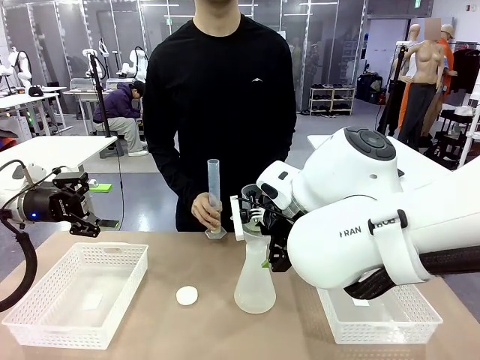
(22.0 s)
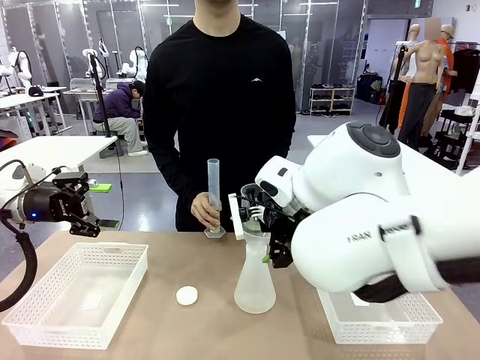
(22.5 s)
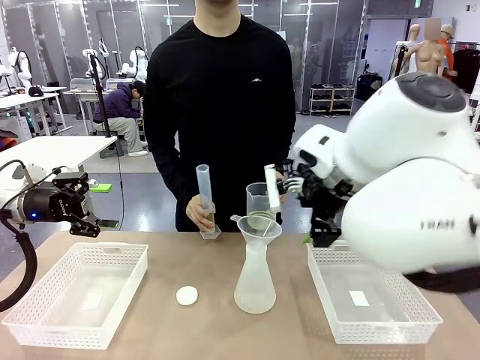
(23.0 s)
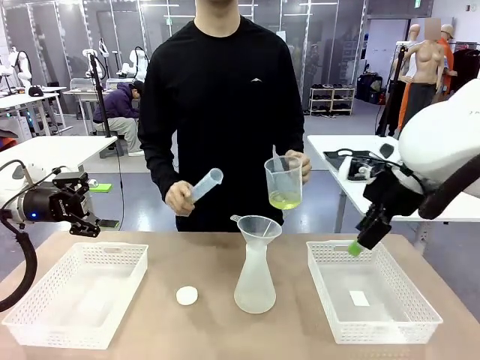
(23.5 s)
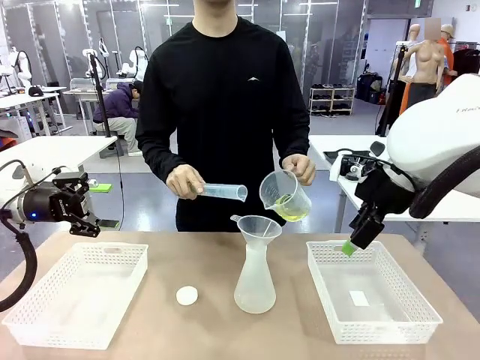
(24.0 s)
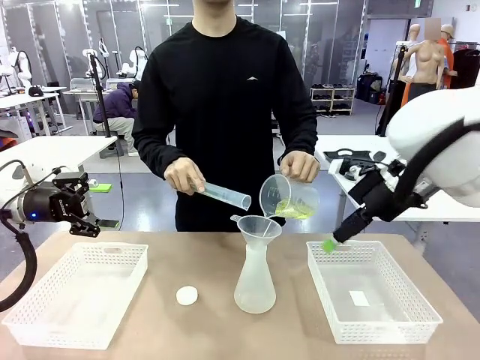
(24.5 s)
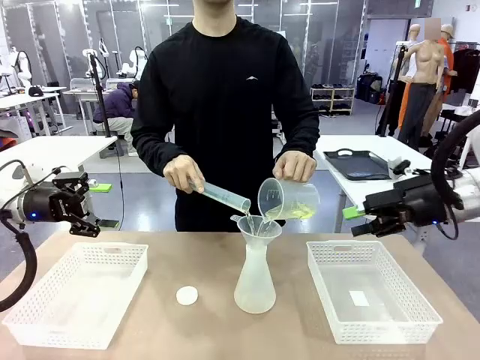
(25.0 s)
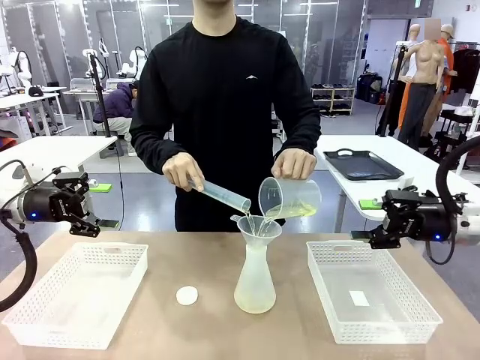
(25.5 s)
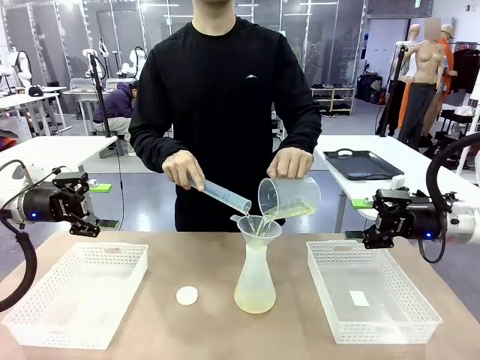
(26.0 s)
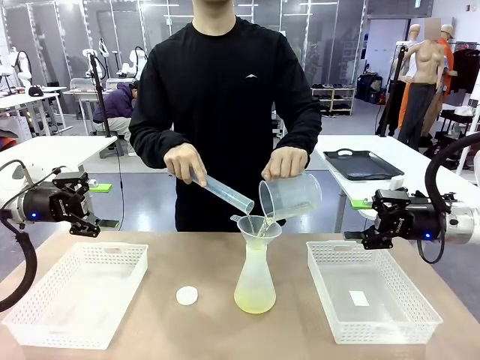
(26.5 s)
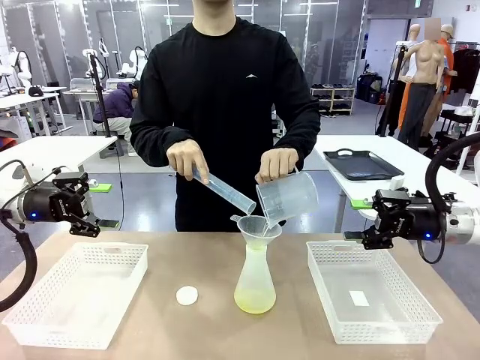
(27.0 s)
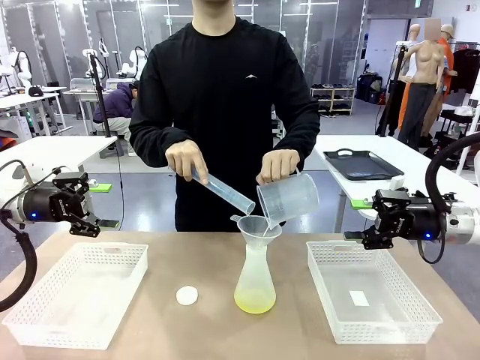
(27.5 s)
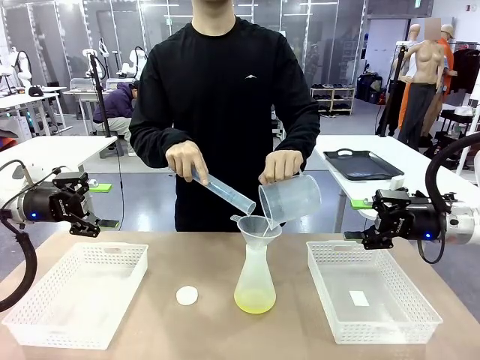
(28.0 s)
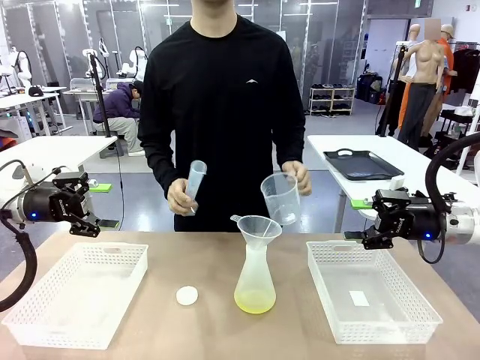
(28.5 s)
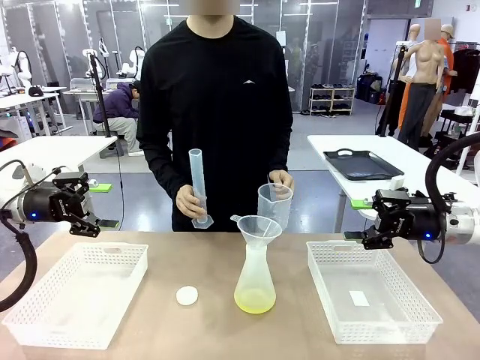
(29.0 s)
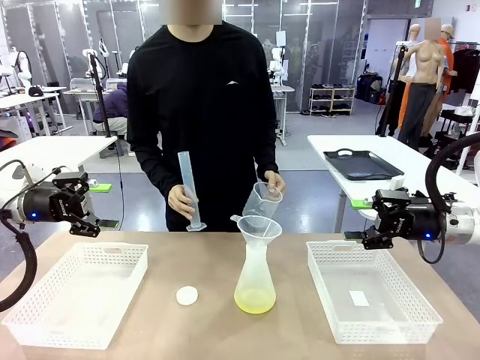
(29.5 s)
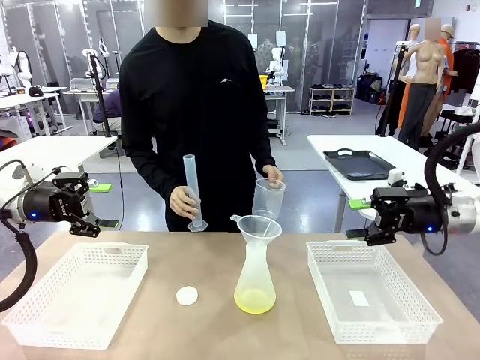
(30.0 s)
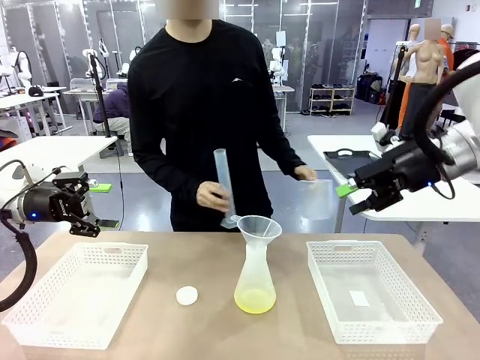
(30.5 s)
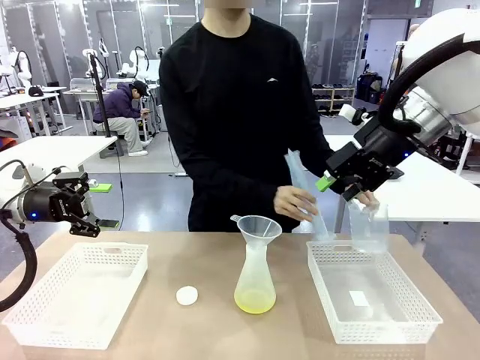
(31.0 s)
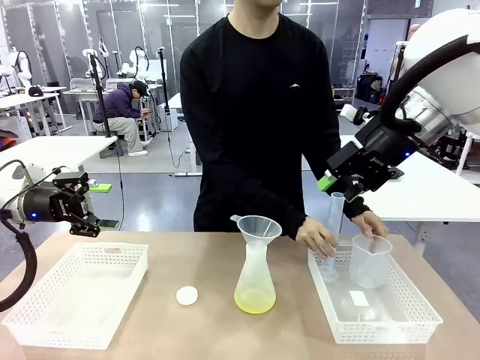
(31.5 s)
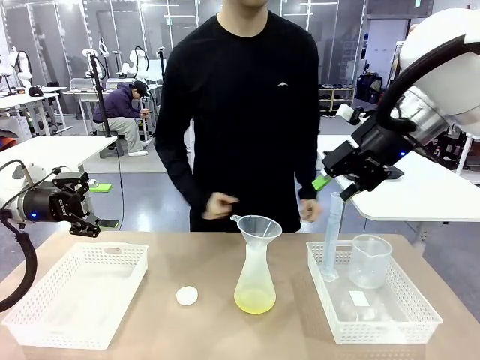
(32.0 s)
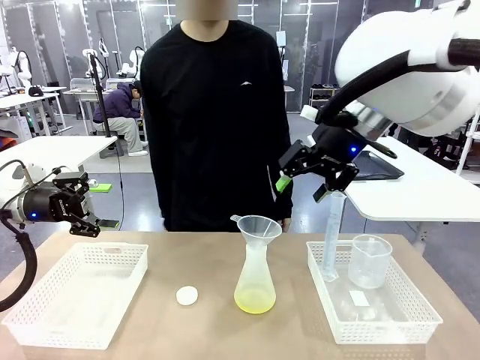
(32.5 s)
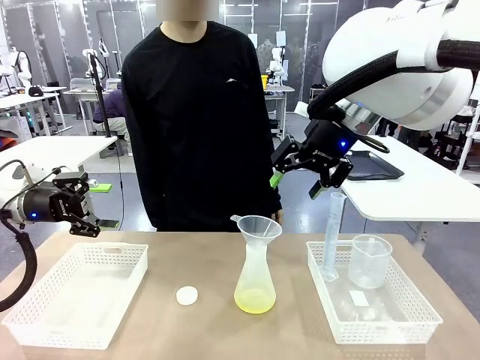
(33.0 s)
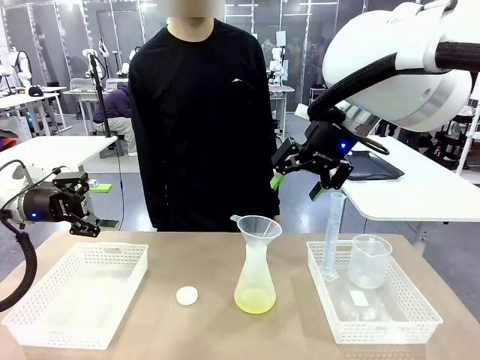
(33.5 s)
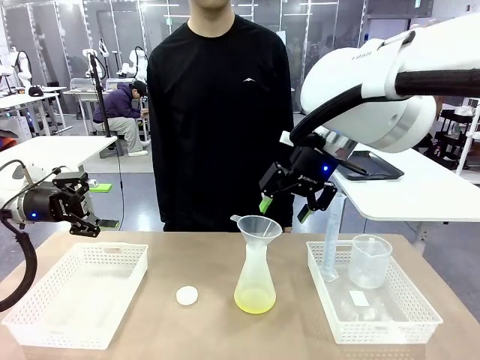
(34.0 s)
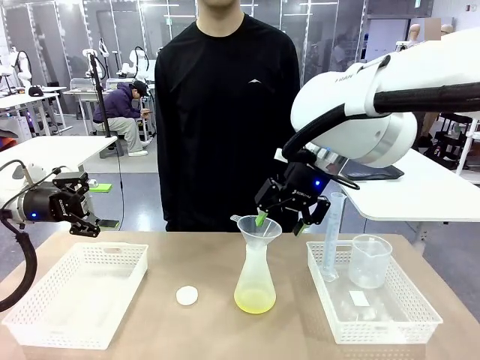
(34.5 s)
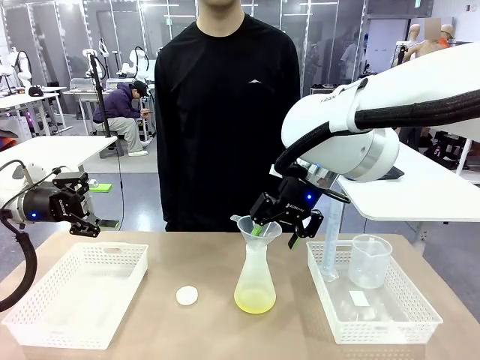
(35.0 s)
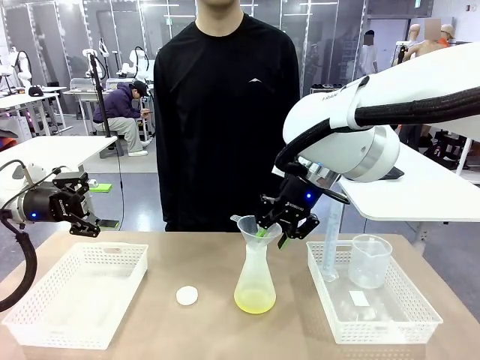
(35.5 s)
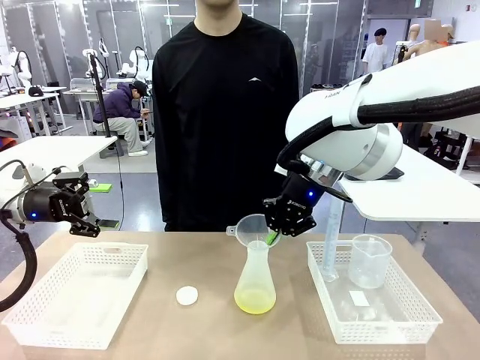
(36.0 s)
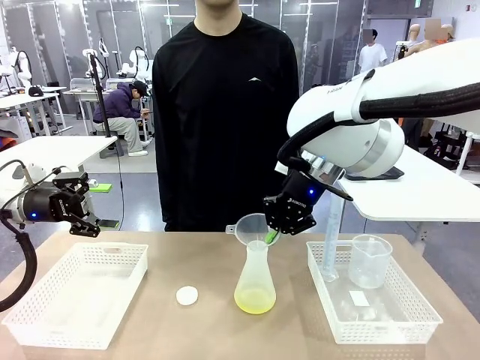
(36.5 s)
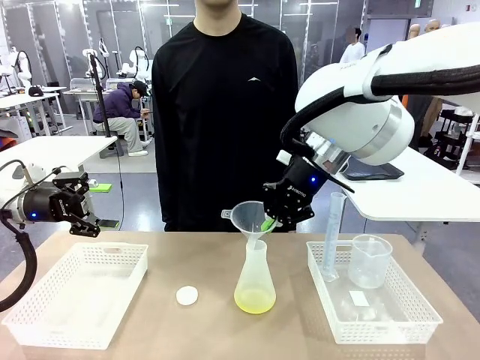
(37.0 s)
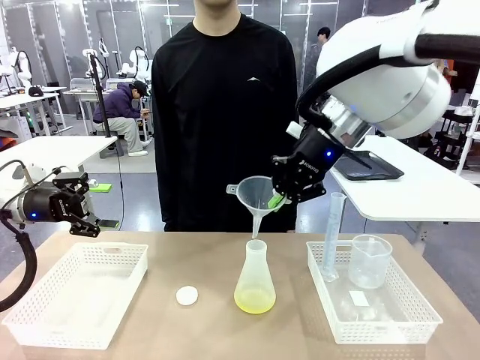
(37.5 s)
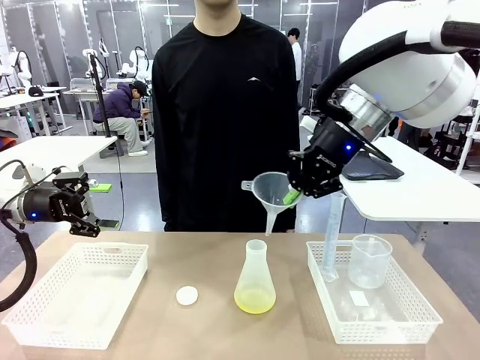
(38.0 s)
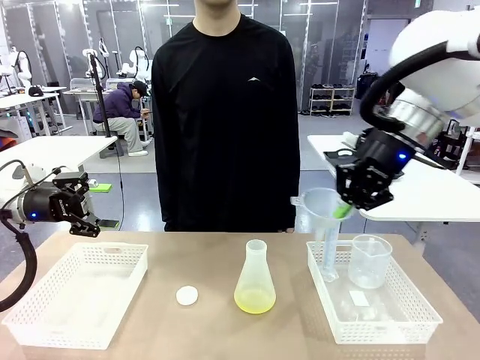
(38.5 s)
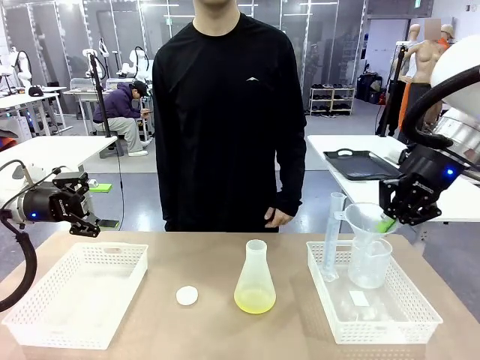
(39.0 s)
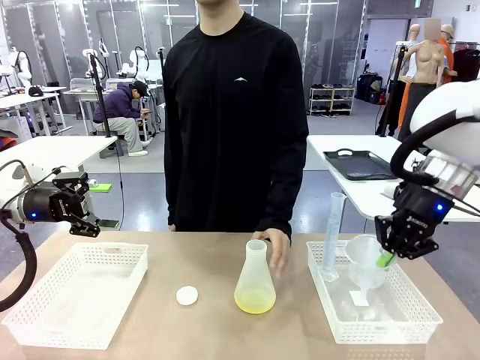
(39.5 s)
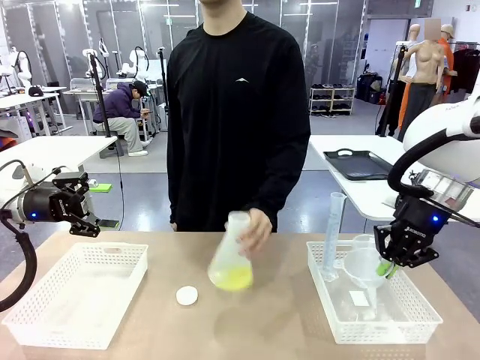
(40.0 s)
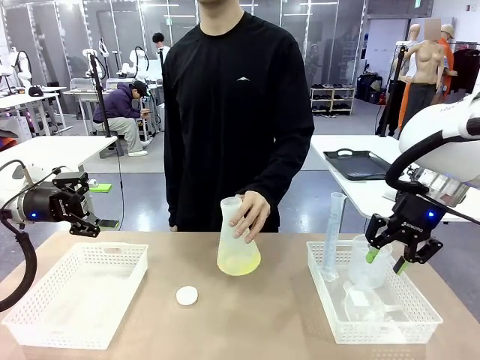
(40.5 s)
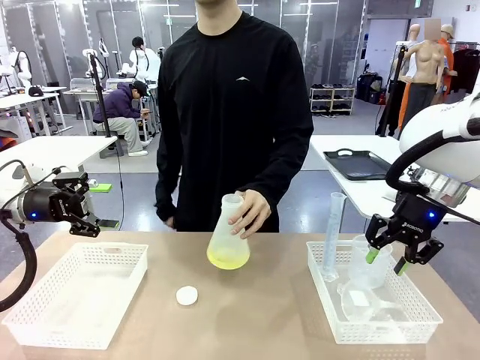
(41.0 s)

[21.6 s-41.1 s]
Task: Prepare the solutions needed for the experiment.
Robot: Once the solution is in the Big flask , pick up the Plastic Funnel and place it back into the right Organizing basket.
Person: Place the beaker and the cylinder into the organizing basket on the left side. Pick up the flask, gently shake it 2–3 times, place it in the middle of the robot table, and close the lid.

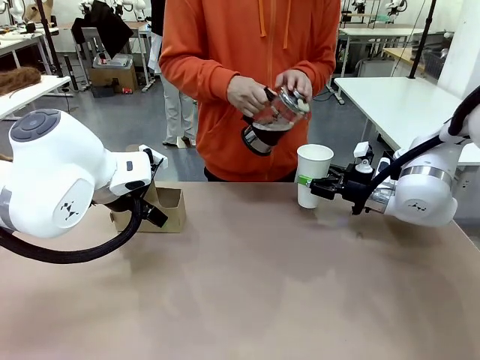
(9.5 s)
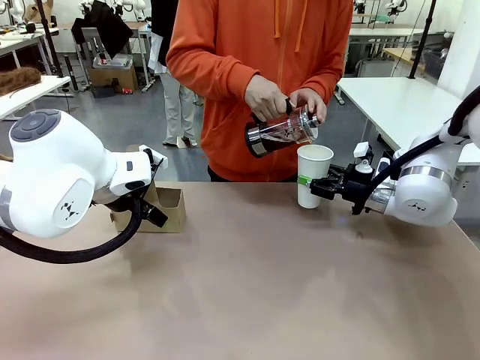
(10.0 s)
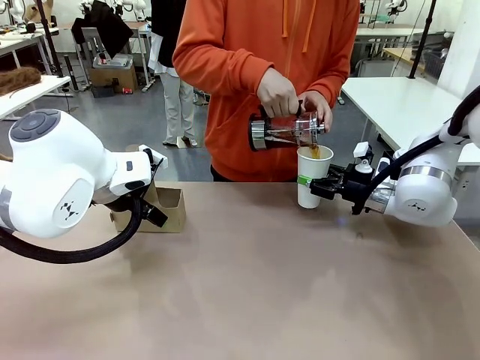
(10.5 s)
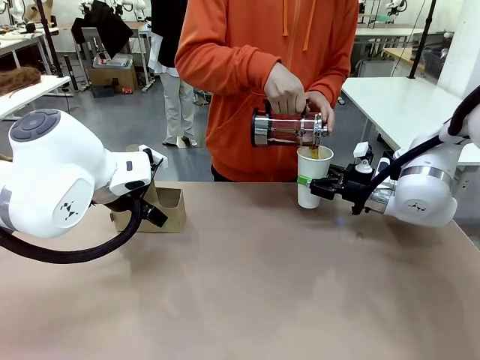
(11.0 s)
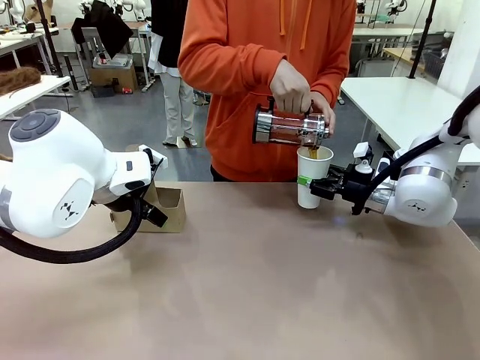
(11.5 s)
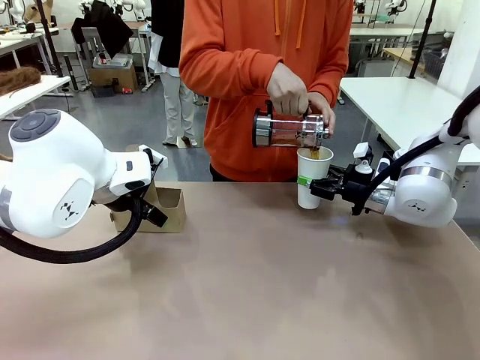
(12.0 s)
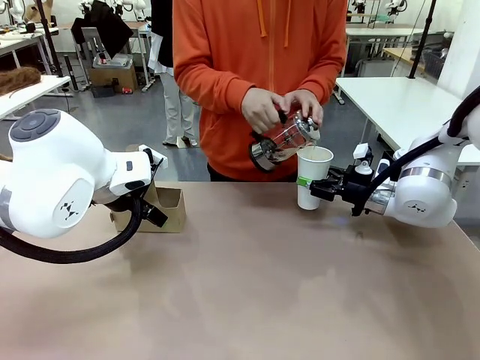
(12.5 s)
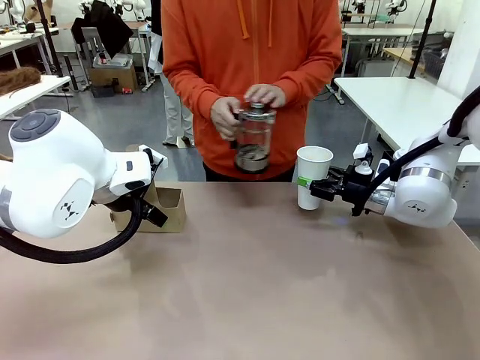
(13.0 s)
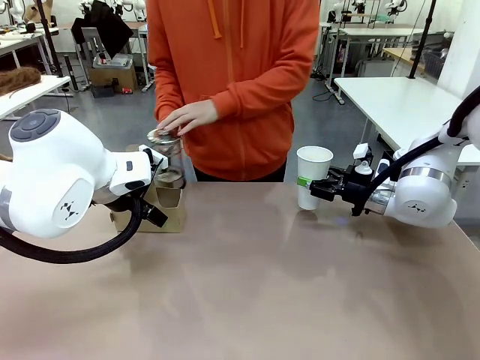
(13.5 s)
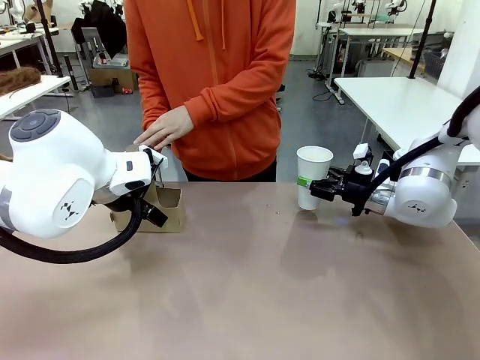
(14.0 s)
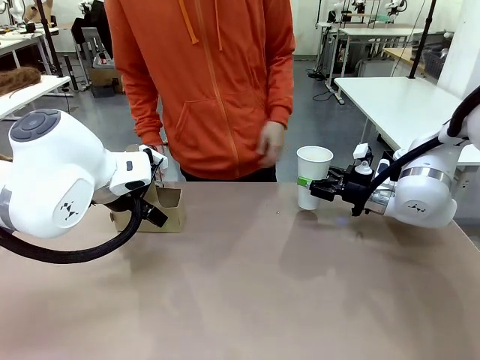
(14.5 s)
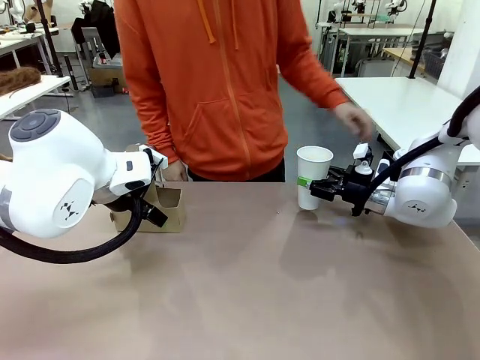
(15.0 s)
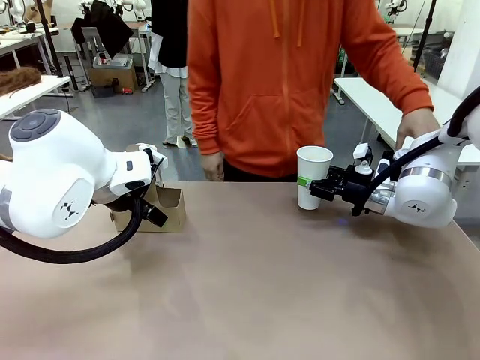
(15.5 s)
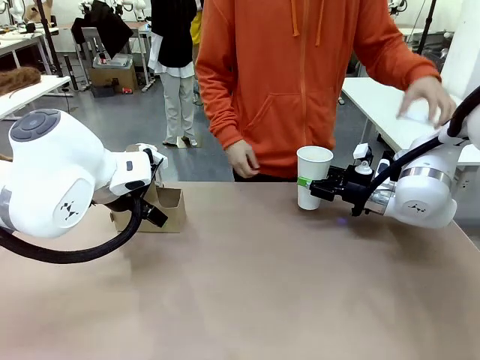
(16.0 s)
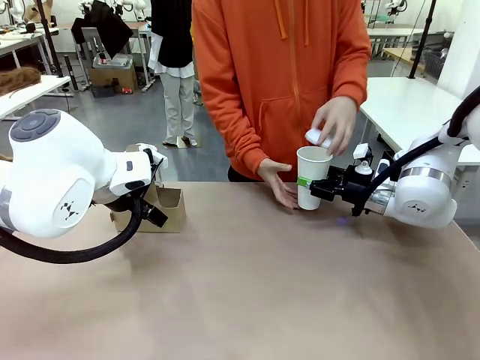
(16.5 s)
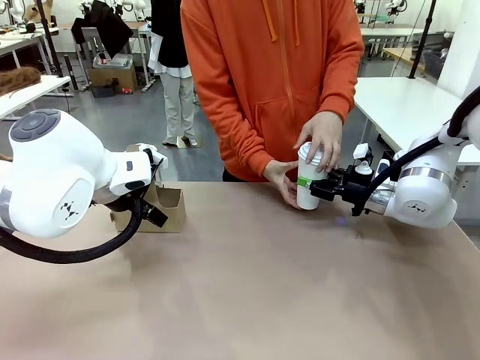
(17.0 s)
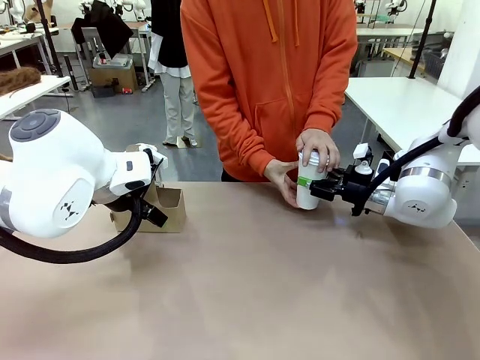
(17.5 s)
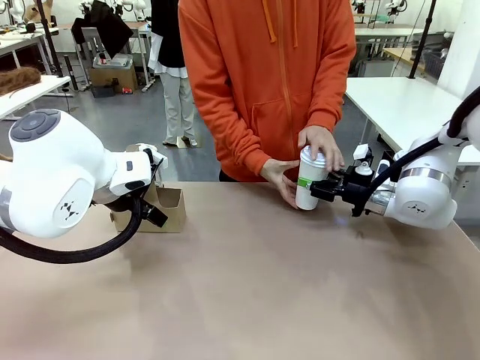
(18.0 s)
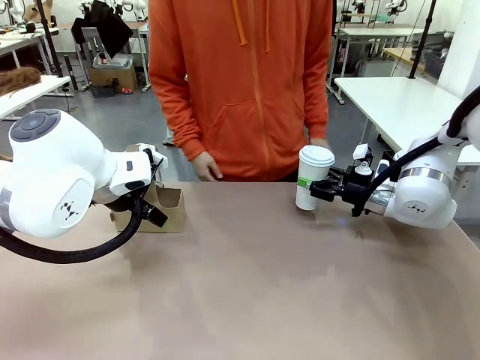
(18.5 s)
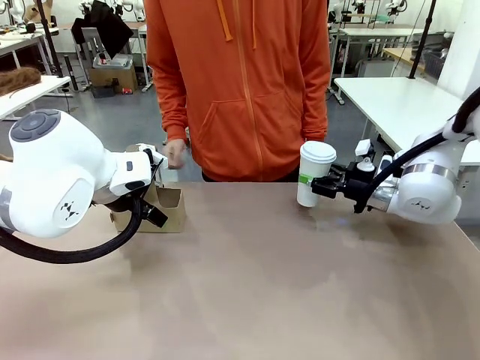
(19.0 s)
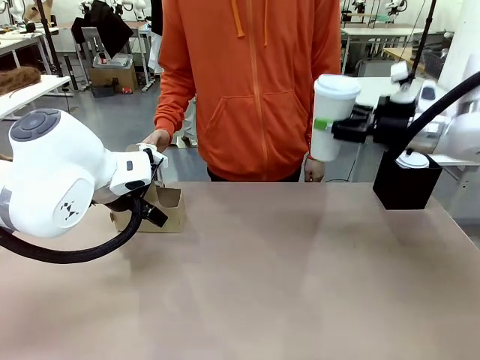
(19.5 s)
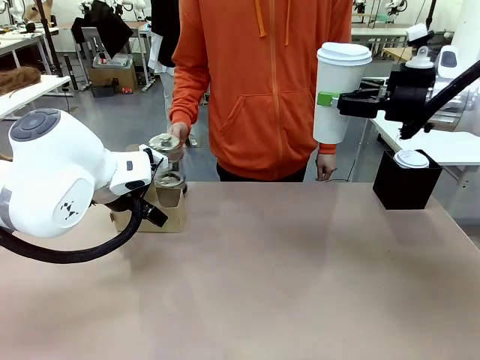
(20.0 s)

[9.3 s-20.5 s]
Task: Pour a drink into a cup and package it in a carrier.
Robot: When a person places the Paper Cup Lid on the 600 ml Paper Cup , lift the 600 ml Paper Cup.
Person: Pour the drink from the Filter Brewing into the 600 ml Paper Cup. Place a Paper Cup Lid on the 600 ml Paper Cup.
